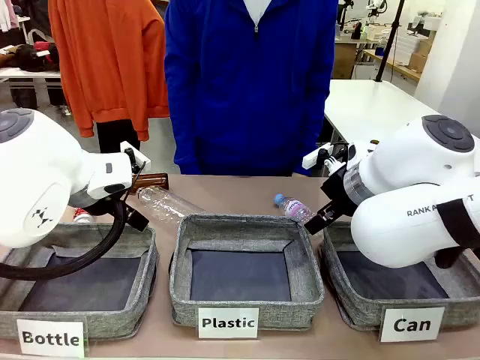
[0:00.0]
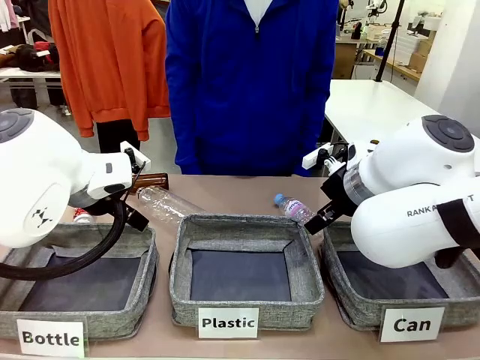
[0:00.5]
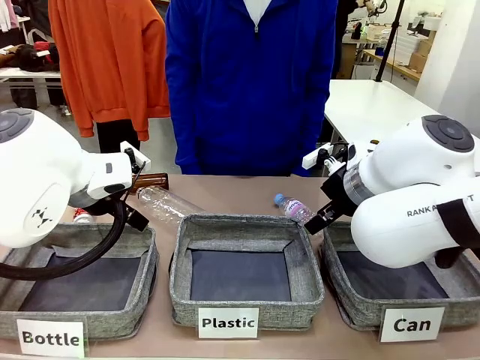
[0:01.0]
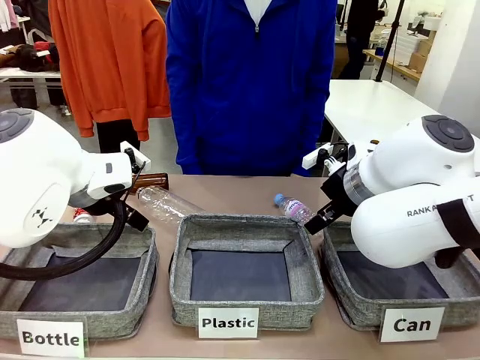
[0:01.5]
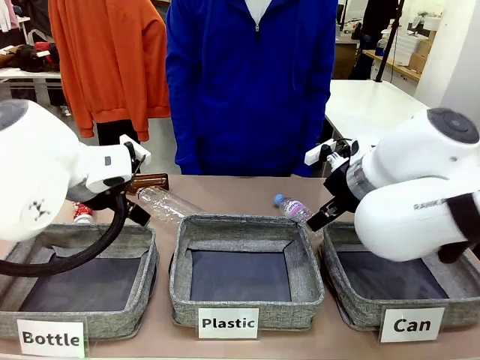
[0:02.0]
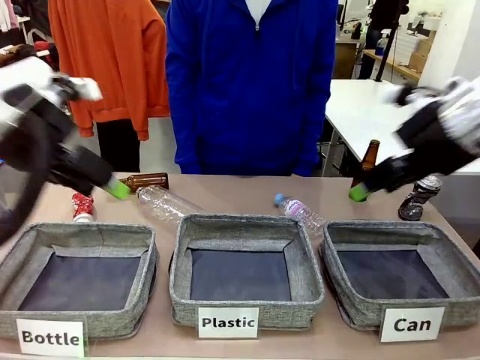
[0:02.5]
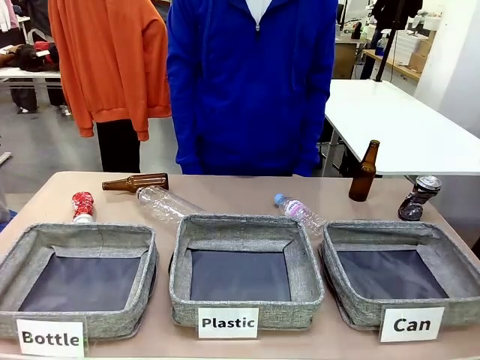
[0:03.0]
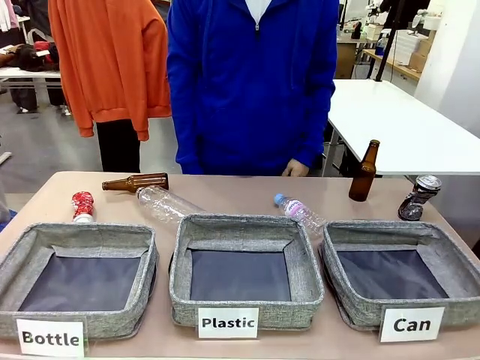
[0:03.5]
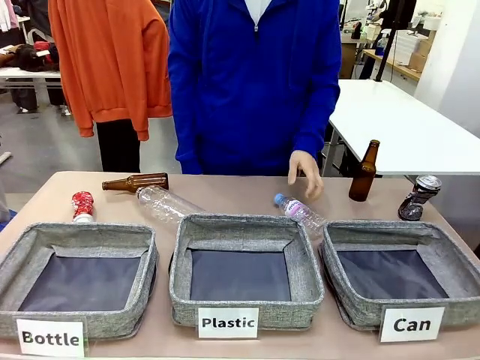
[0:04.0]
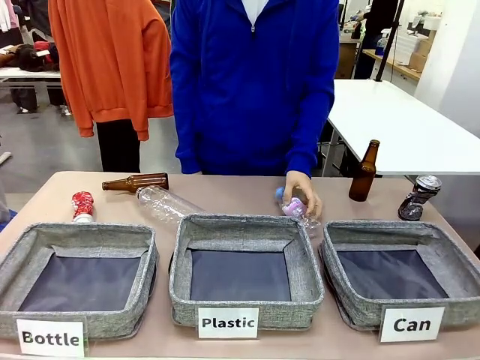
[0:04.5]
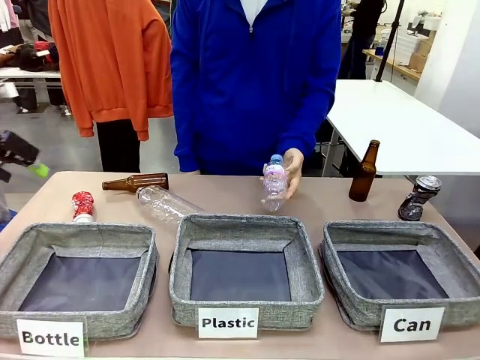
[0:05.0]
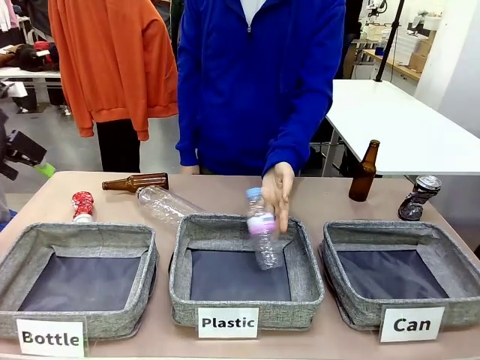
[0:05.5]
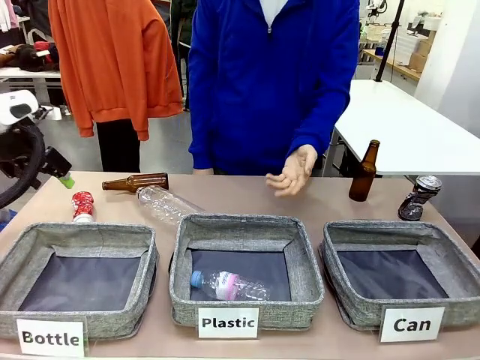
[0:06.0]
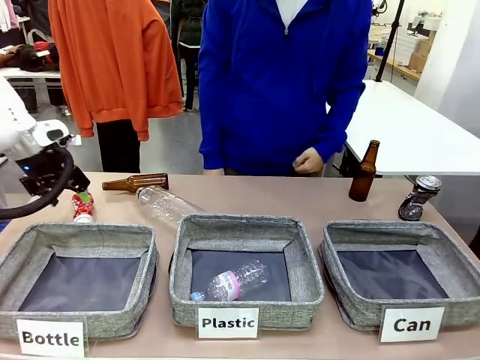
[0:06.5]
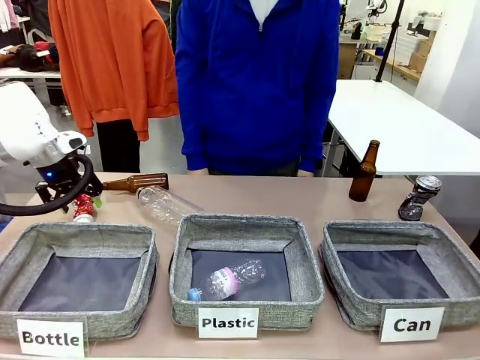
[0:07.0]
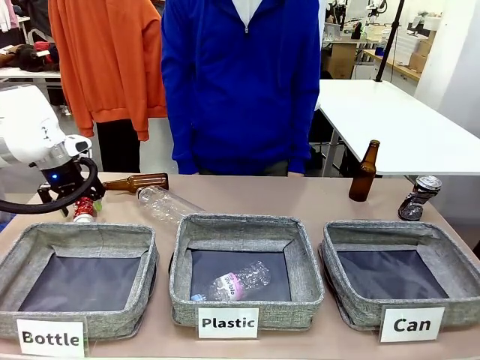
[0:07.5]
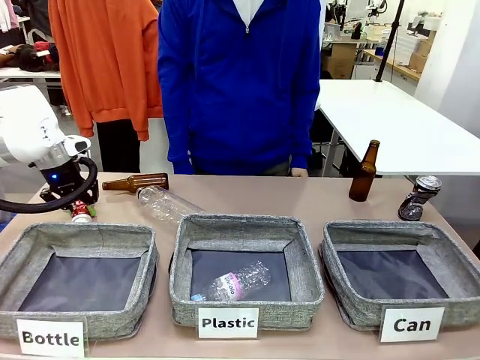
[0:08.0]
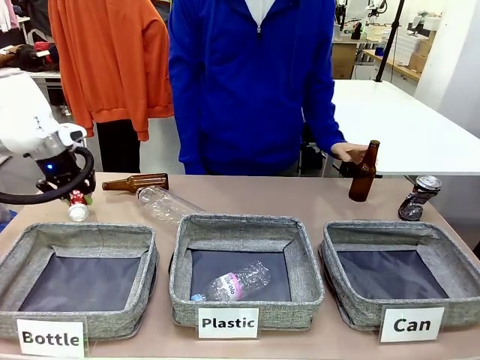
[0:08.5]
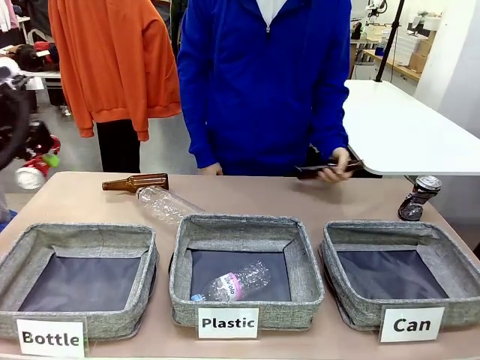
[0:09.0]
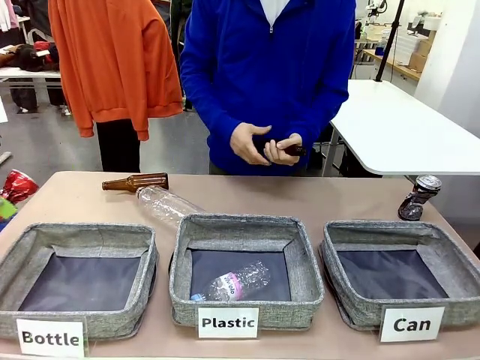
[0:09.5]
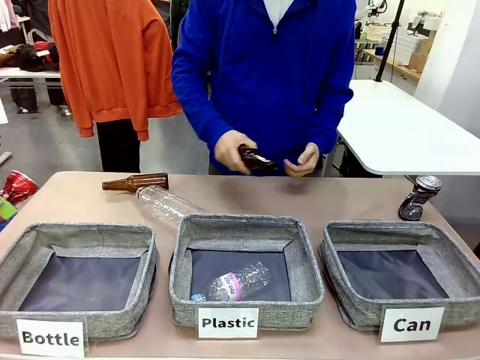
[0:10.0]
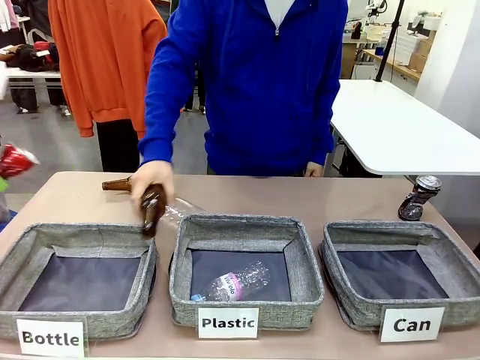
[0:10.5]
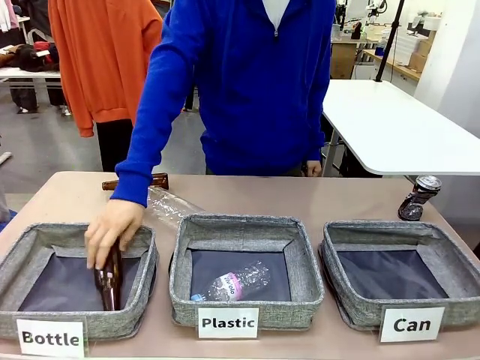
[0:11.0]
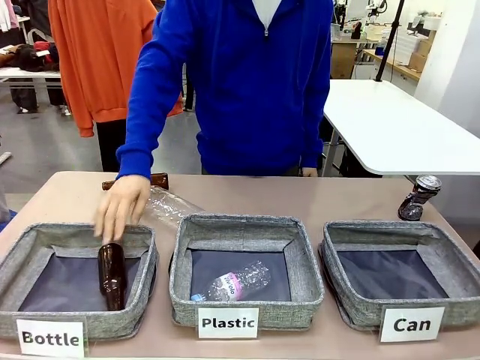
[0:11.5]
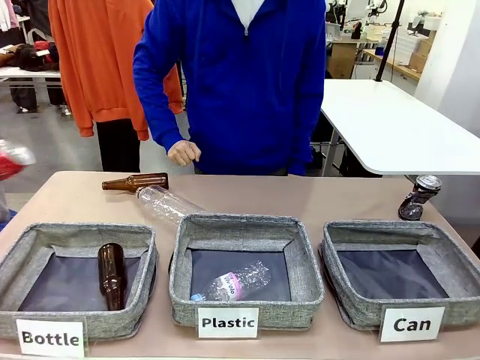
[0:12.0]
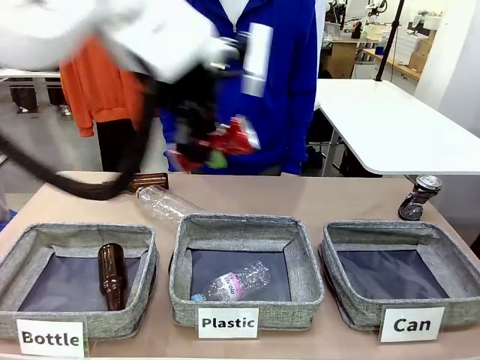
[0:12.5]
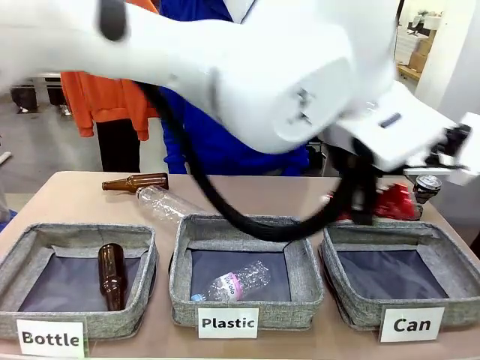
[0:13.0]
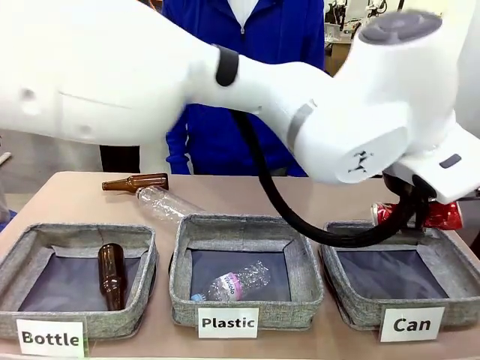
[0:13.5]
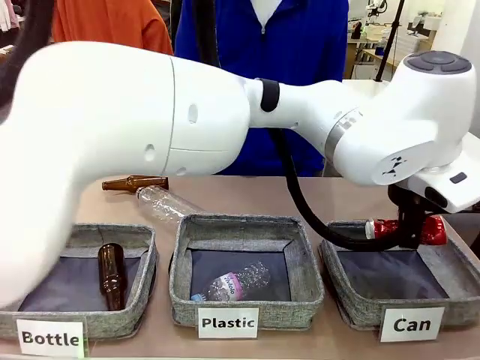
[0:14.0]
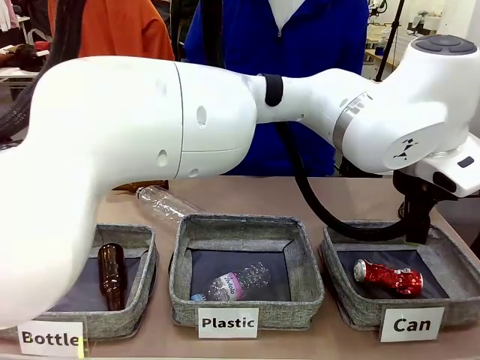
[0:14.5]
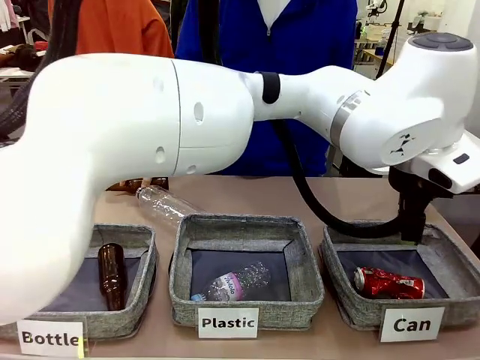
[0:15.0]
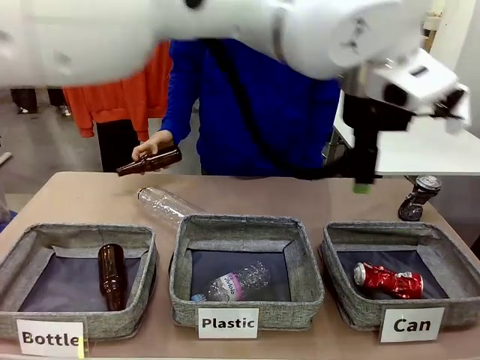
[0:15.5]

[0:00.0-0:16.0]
Task: Sort the can waste into the basket.
Robot: Pick up the can waste from the table and place it in the right Fabric basket.
